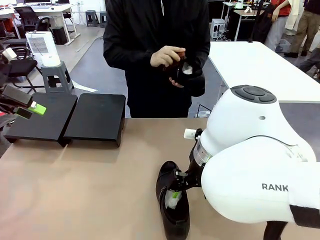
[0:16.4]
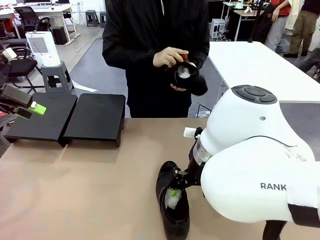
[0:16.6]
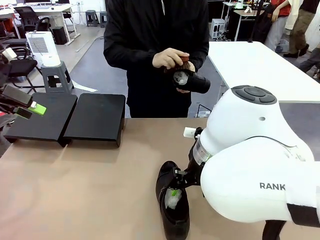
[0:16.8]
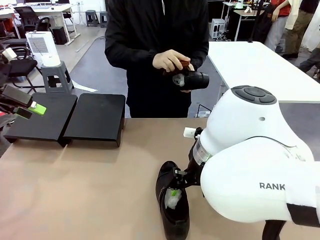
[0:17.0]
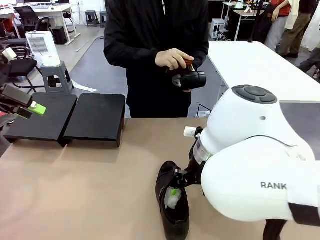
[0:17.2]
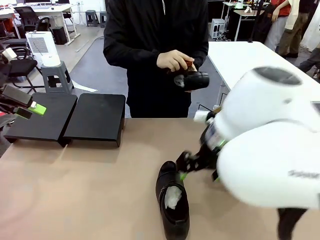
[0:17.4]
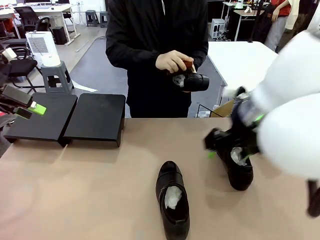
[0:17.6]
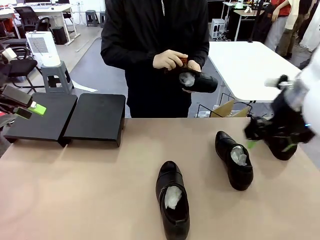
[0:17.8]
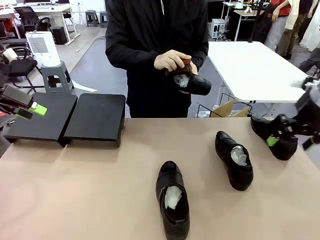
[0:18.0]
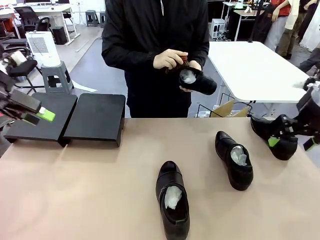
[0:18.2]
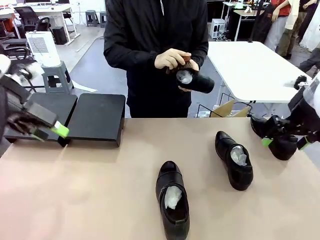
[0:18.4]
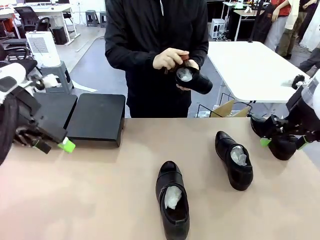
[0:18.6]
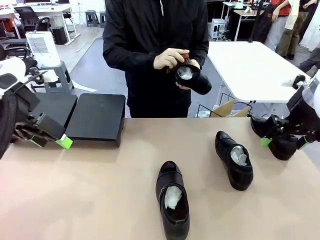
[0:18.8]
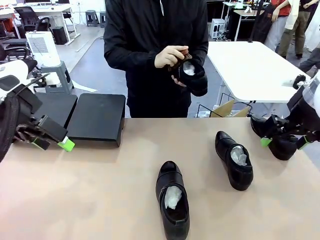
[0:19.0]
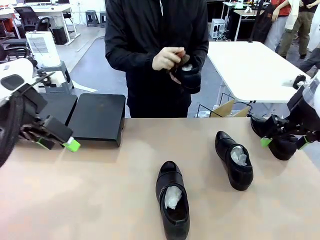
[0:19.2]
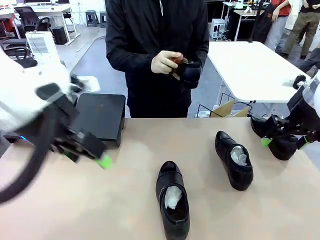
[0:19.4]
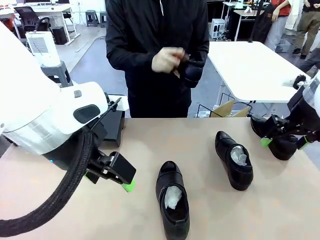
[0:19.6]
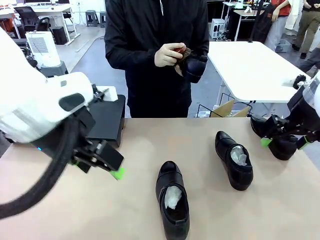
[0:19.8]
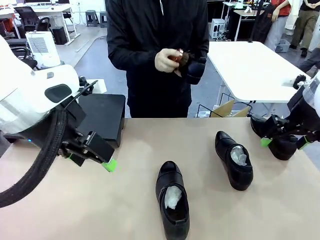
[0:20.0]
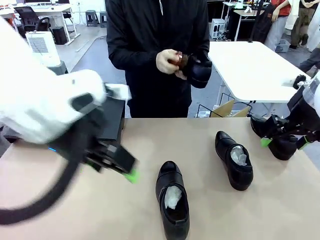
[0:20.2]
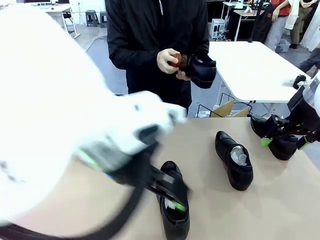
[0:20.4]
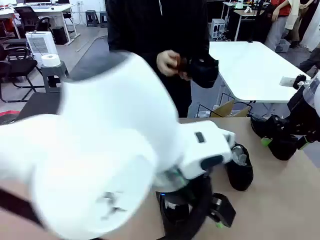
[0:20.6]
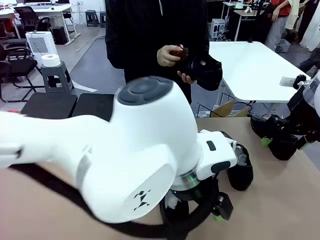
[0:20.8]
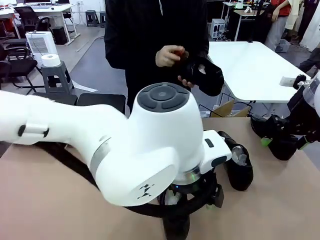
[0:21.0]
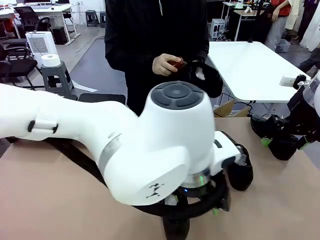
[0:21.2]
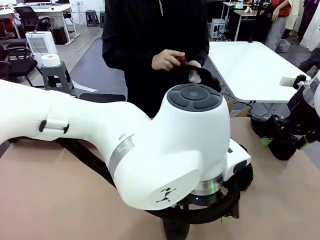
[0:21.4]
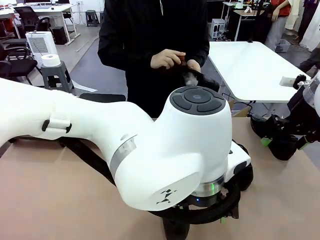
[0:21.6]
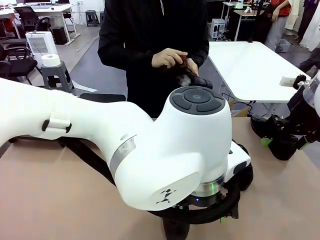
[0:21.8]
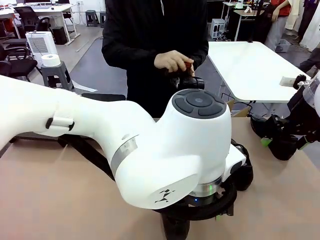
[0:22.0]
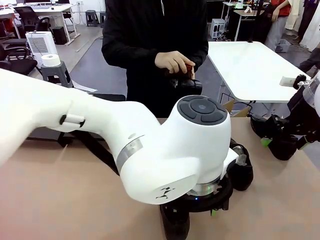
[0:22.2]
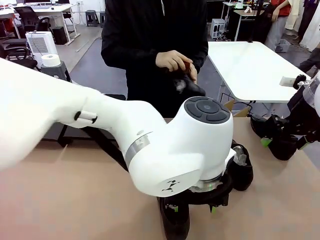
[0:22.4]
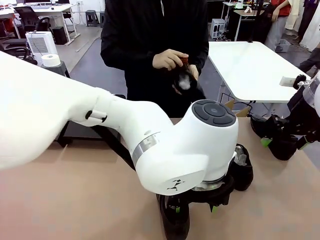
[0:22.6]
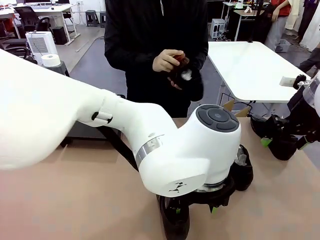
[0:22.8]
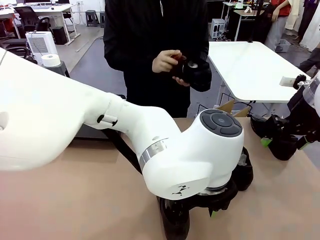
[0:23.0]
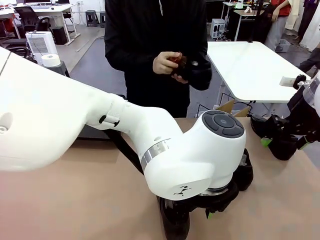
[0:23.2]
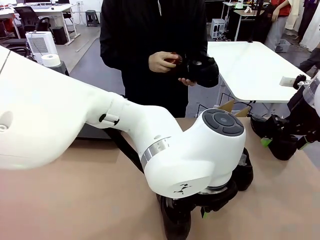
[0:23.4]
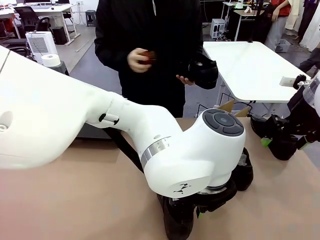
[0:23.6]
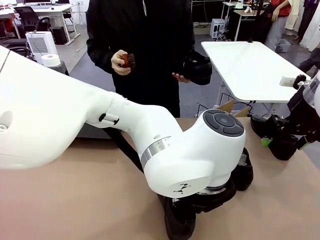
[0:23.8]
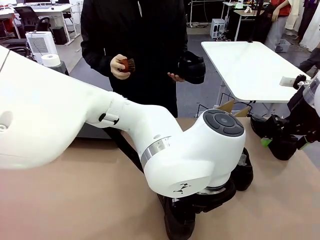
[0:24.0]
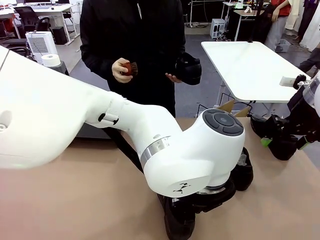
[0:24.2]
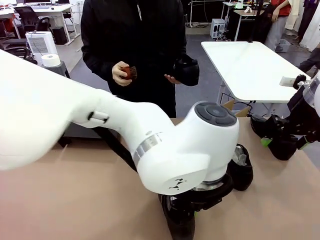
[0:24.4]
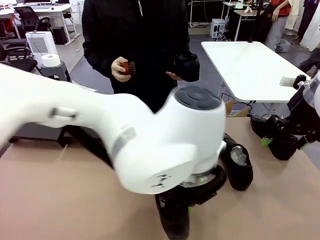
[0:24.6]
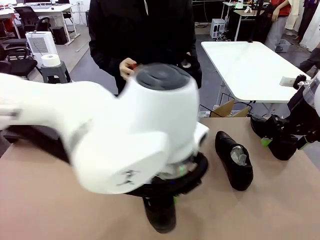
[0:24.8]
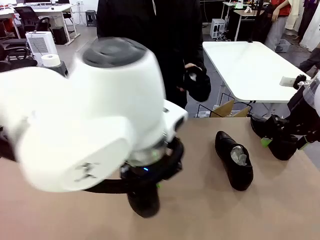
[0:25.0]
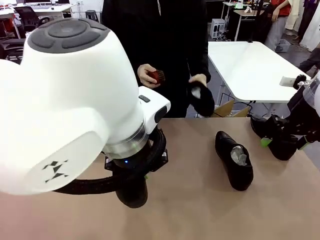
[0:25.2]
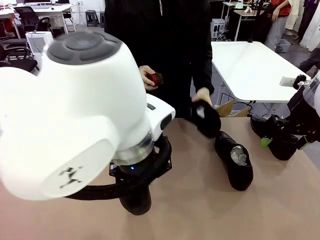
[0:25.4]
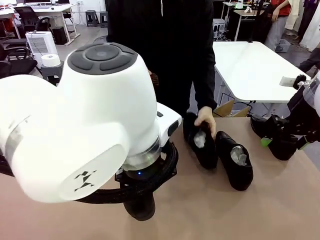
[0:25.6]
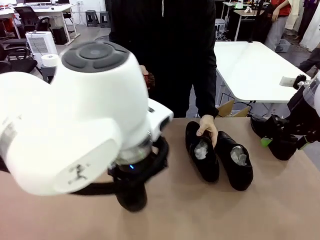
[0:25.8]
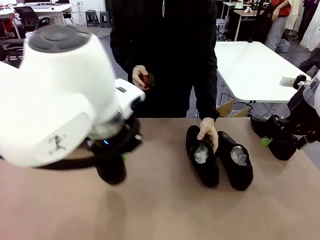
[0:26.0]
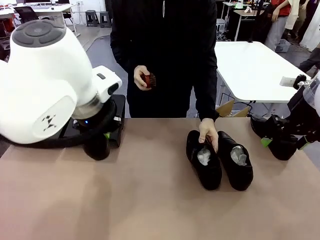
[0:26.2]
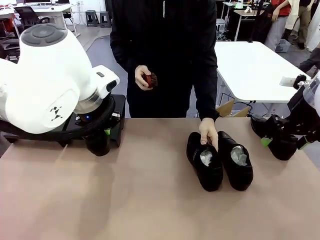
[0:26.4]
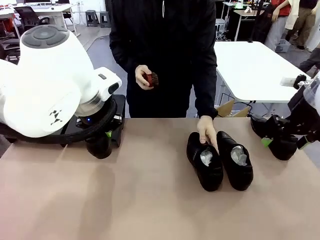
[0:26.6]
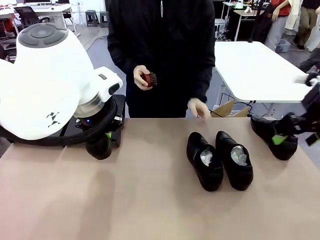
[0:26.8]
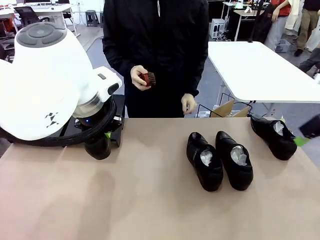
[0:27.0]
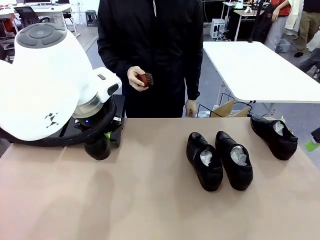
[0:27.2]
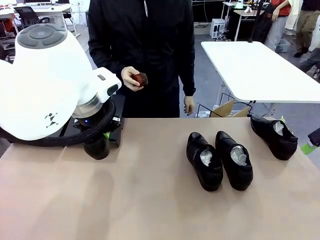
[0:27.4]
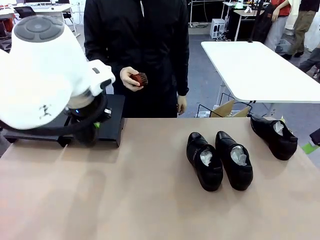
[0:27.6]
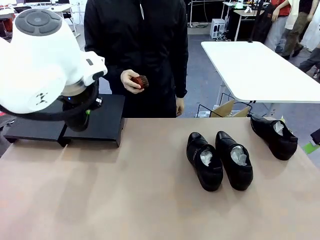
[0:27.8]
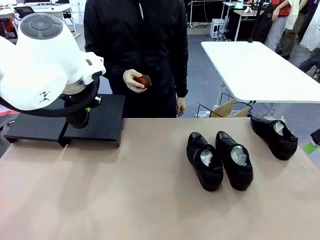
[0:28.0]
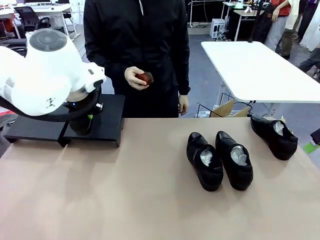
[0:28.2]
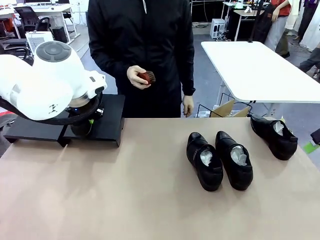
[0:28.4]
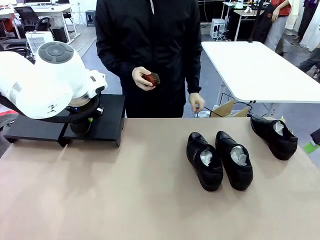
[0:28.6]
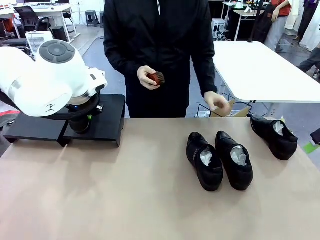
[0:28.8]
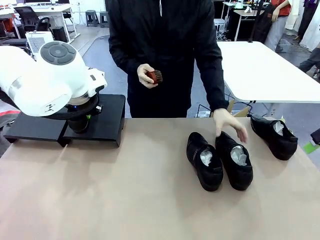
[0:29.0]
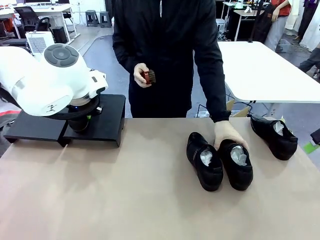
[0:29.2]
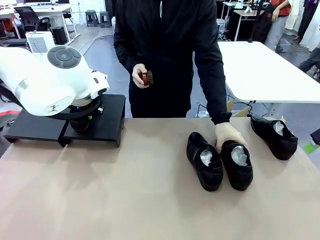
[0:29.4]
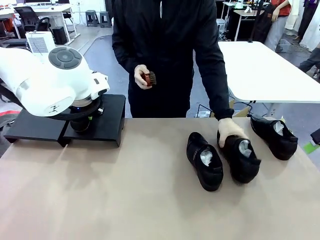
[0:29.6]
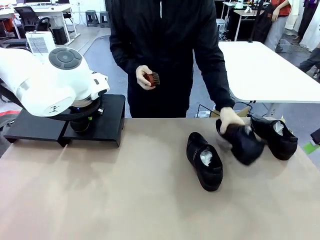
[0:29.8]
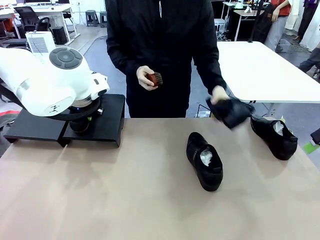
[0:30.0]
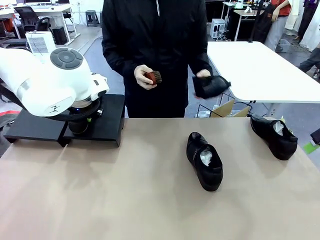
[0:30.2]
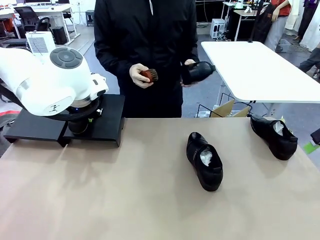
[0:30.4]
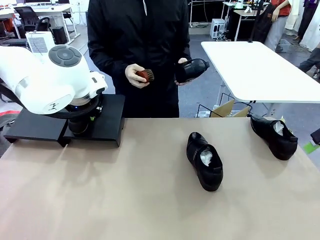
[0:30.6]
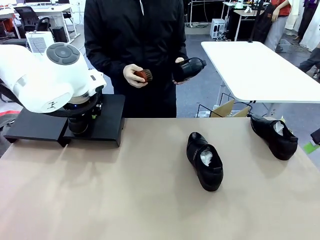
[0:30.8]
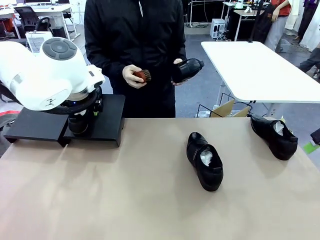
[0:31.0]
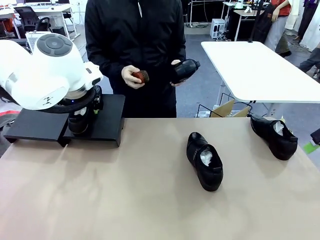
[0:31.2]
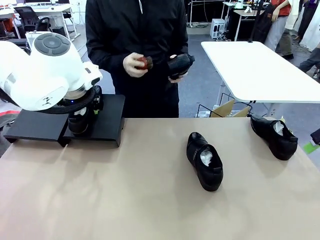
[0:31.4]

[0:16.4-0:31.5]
Task: Organize the shoes by placing them on the stand.
Robot: Place the Shoe from the middle of the table onto the Shoes Stand.
Person: Place the Shoe on left side of the Robot's table. Pick one Shoe on Robot's table.
